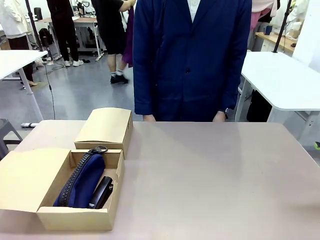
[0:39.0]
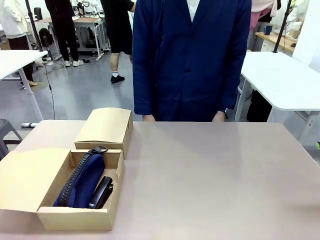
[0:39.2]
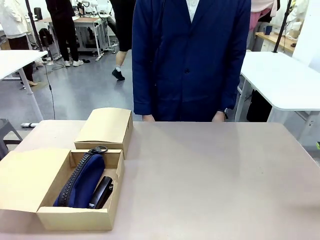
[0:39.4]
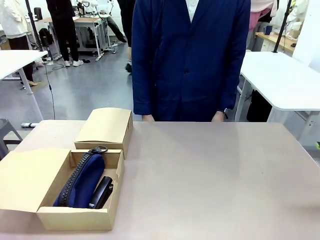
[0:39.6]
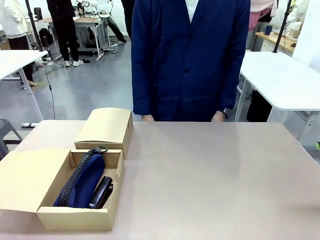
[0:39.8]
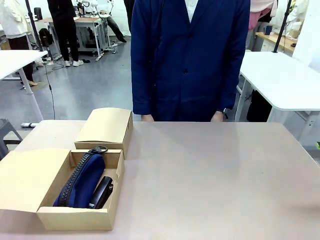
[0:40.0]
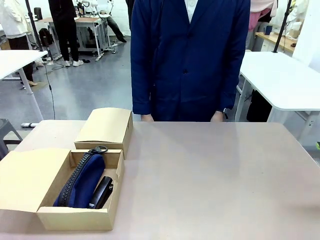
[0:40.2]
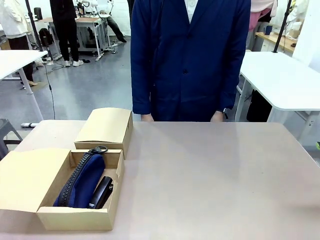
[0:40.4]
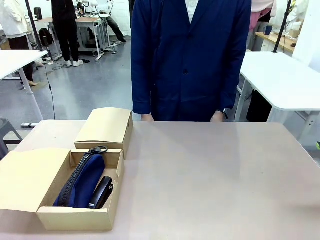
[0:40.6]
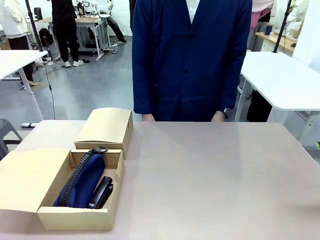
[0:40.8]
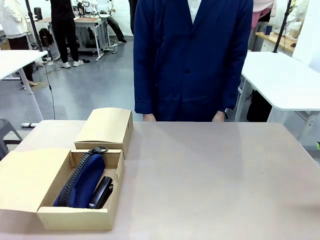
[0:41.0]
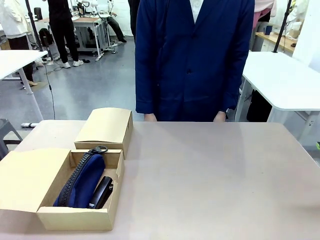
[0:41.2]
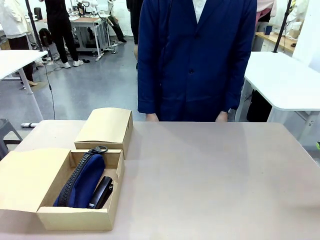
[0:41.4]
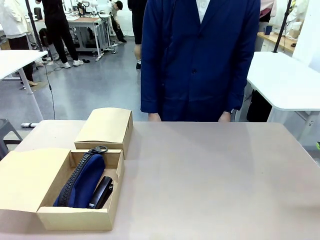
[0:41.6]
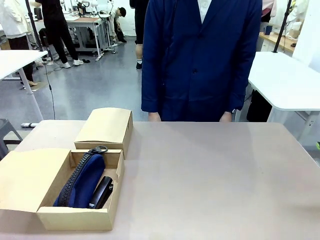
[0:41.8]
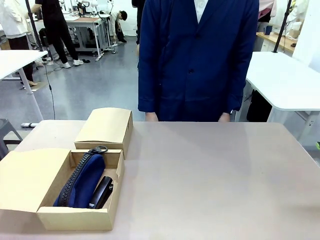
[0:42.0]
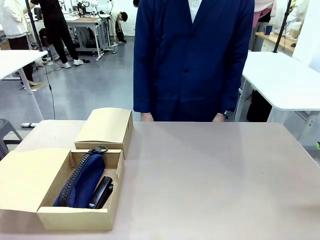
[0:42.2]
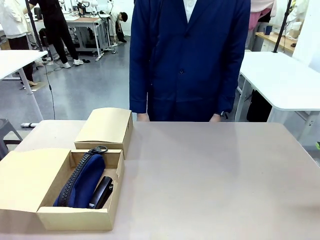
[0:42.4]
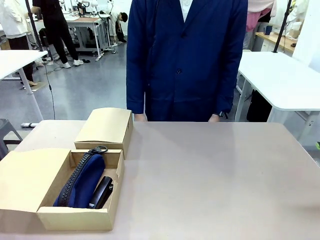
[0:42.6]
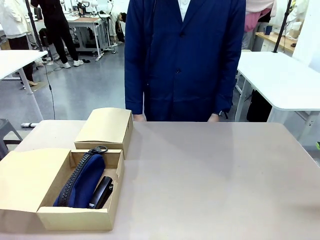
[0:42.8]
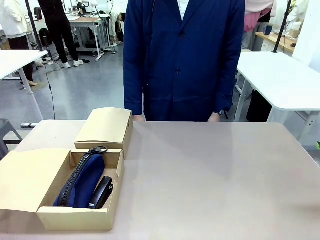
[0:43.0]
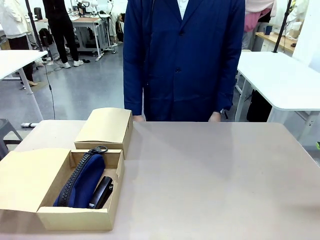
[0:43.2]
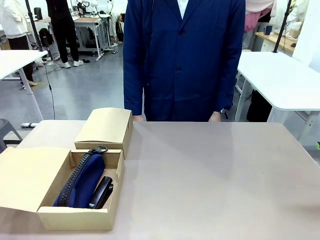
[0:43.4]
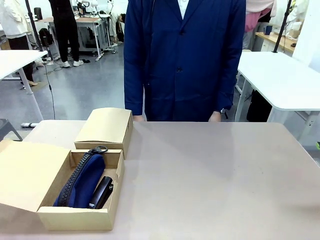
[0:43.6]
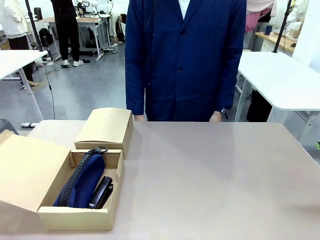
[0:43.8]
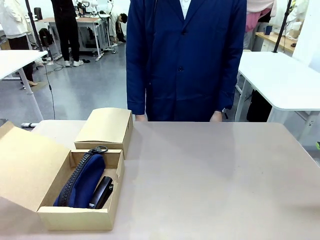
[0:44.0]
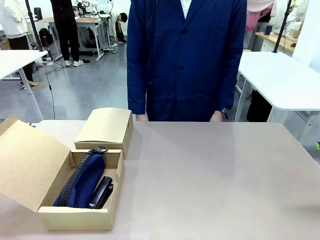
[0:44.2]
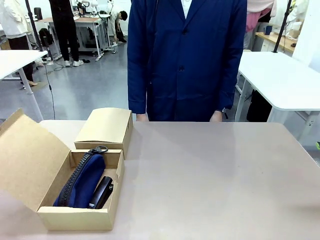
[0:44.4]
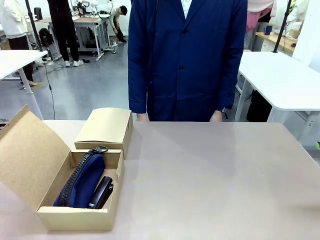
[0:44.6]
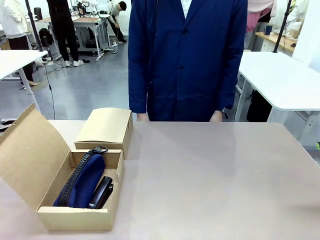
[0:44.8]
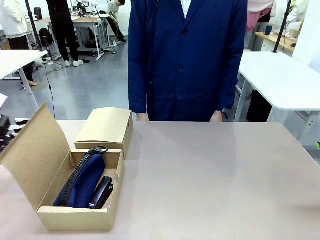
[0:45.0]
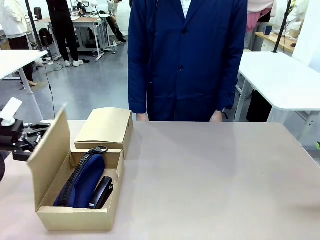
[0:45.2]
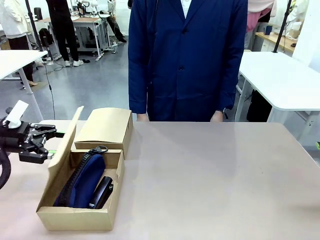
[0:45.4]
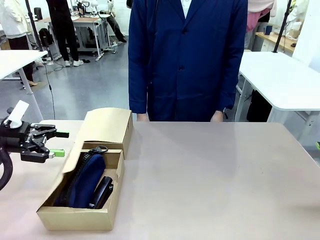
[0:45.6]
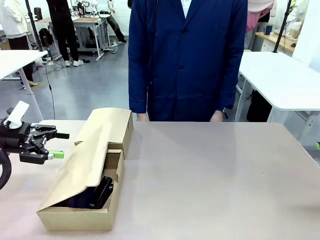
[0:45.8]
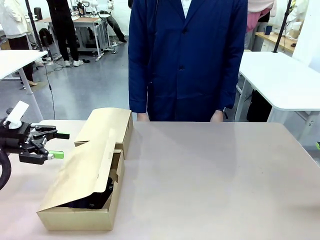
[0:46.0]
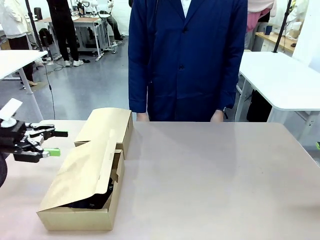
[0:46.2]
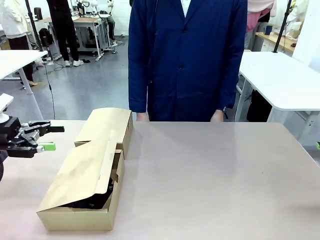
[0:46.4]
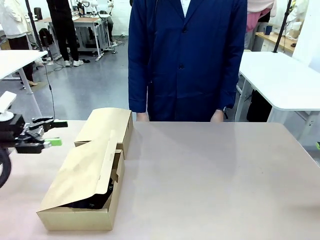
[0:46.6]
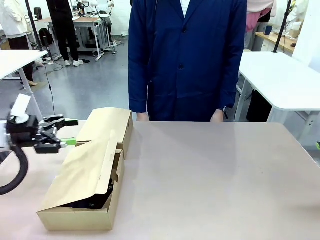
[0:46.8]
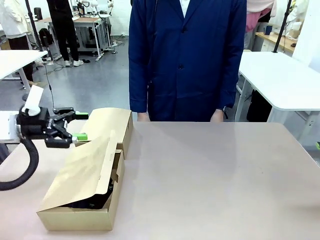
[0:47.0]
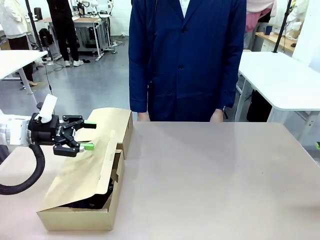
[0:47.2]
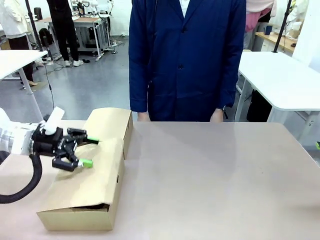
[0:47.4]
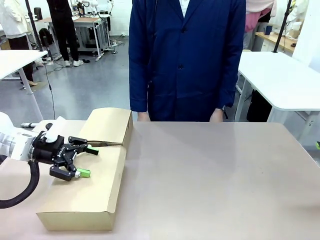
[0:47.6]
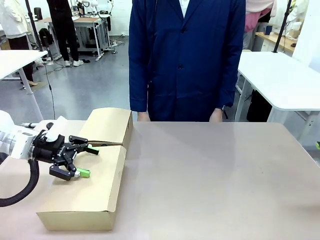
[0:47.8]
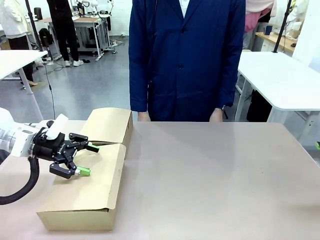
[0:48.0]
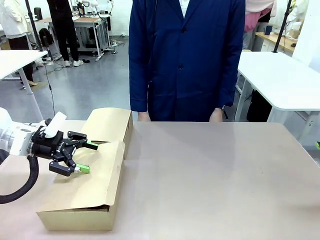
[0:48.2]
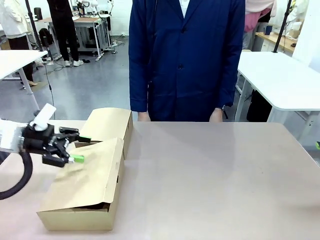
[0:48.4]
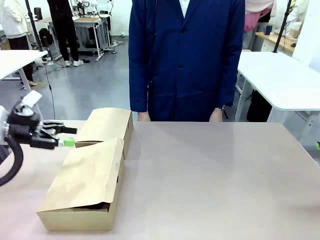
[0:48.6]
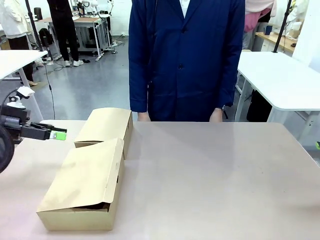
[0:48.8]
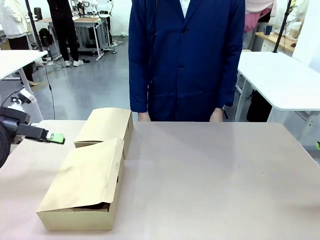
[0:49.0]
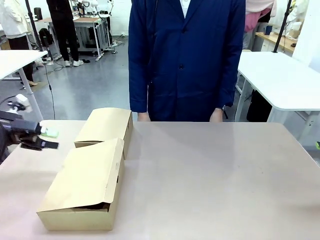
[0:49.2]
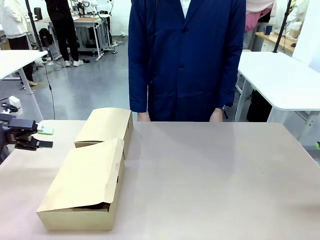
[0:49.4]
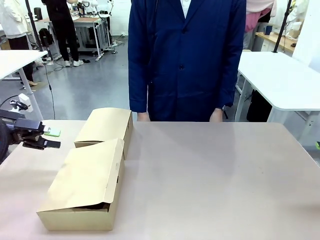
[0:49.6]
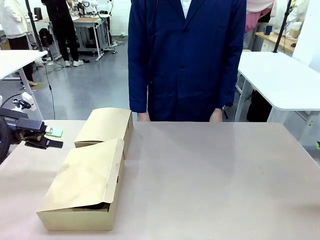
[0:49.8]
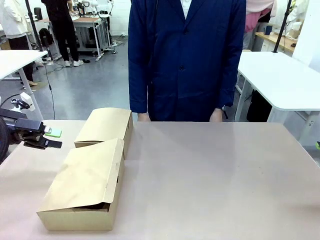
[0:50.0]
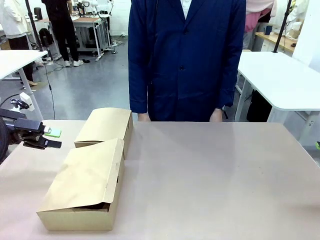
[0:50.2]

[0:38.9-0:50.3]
Task: Place items inside the box.
Robot: Close the lid of the Mailer Box closest to the robot.

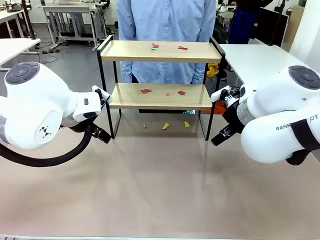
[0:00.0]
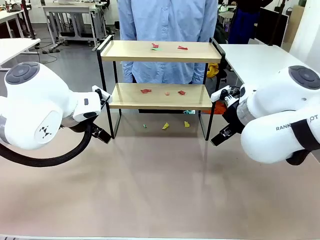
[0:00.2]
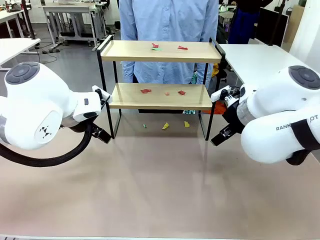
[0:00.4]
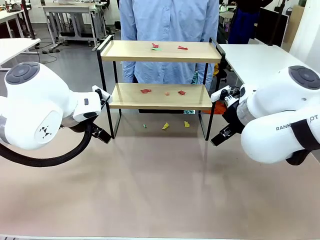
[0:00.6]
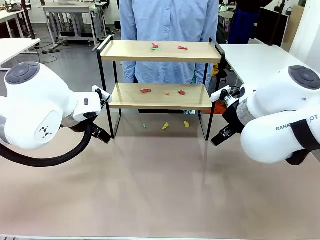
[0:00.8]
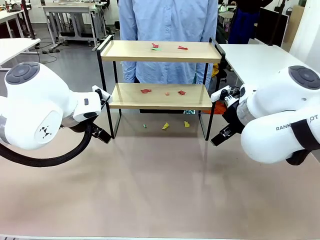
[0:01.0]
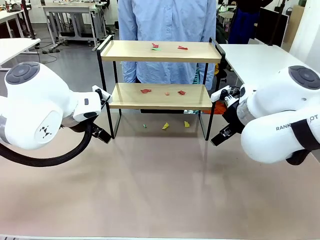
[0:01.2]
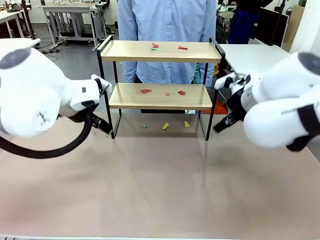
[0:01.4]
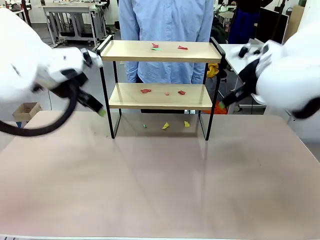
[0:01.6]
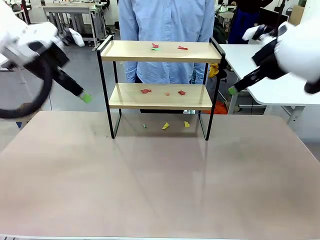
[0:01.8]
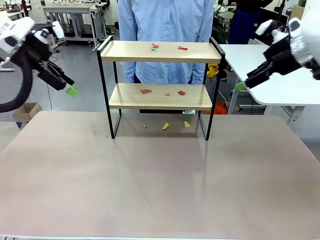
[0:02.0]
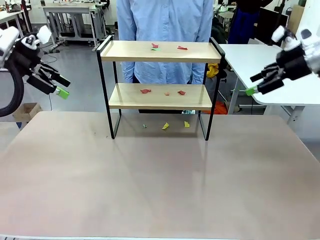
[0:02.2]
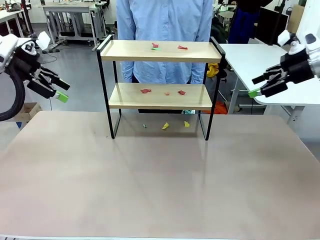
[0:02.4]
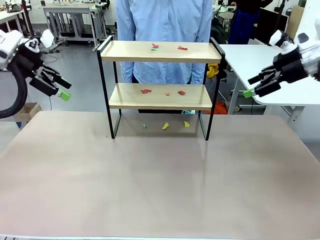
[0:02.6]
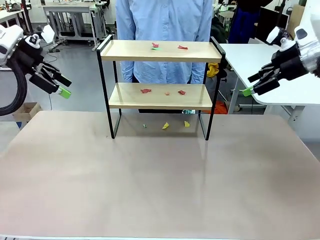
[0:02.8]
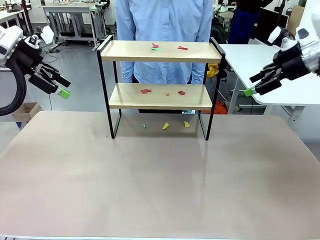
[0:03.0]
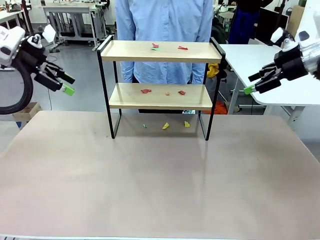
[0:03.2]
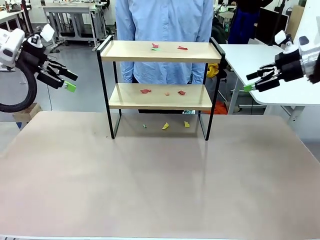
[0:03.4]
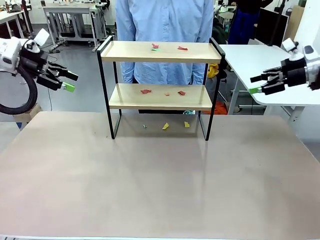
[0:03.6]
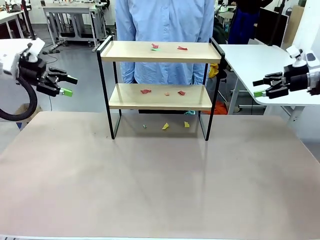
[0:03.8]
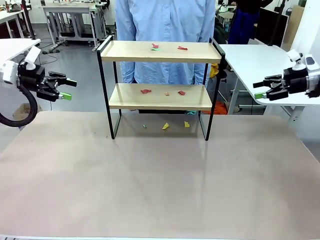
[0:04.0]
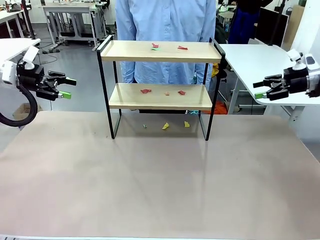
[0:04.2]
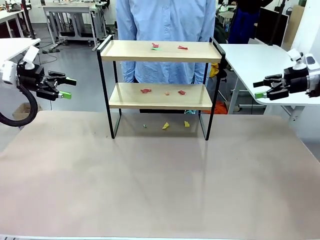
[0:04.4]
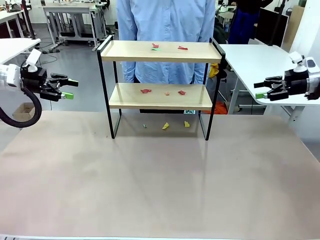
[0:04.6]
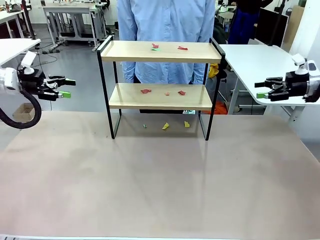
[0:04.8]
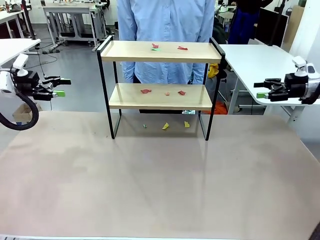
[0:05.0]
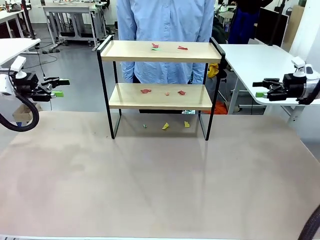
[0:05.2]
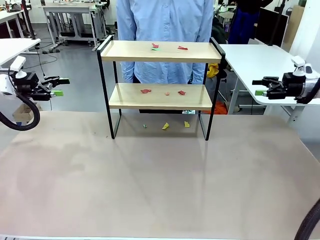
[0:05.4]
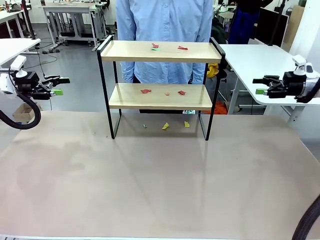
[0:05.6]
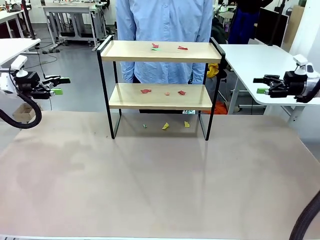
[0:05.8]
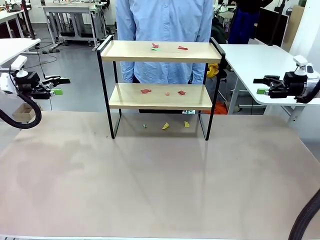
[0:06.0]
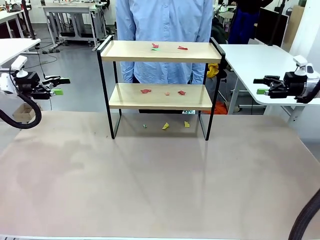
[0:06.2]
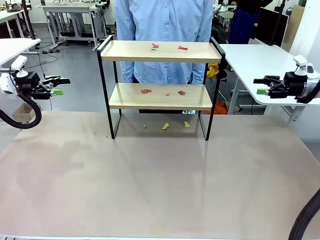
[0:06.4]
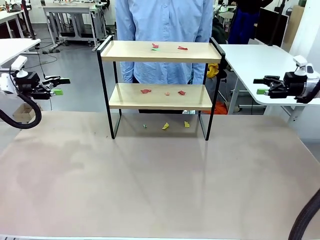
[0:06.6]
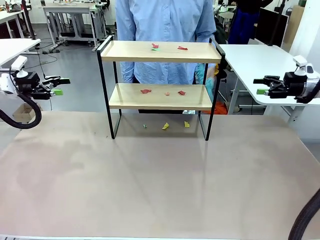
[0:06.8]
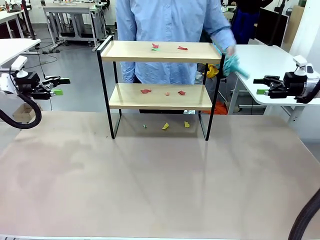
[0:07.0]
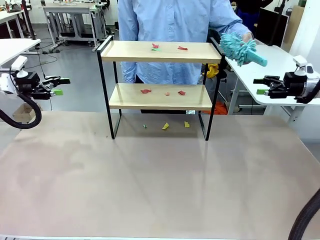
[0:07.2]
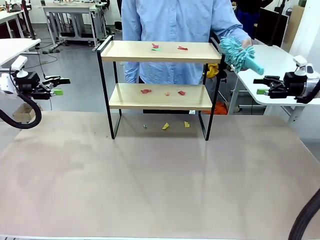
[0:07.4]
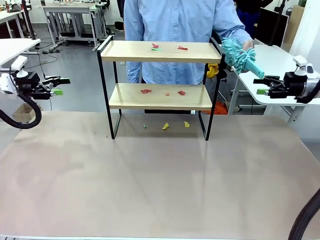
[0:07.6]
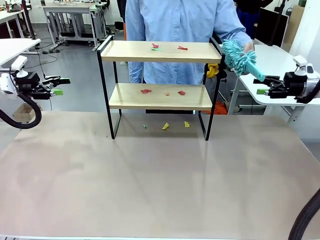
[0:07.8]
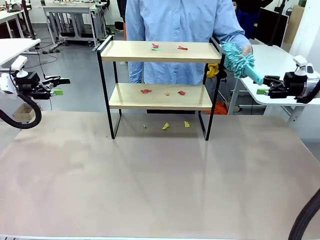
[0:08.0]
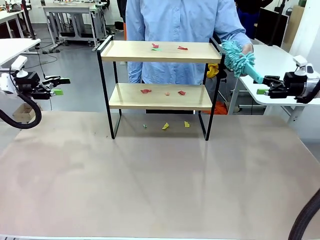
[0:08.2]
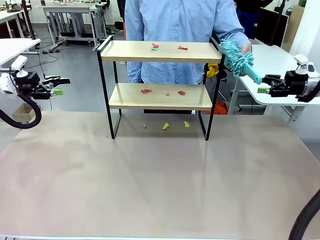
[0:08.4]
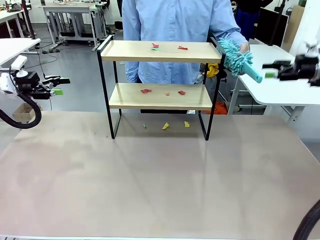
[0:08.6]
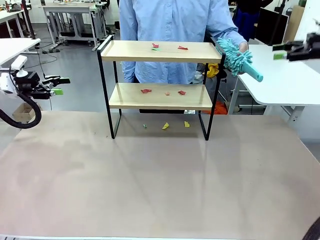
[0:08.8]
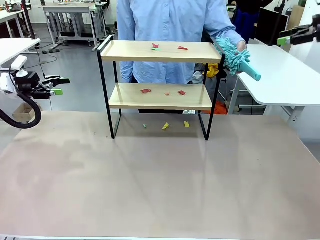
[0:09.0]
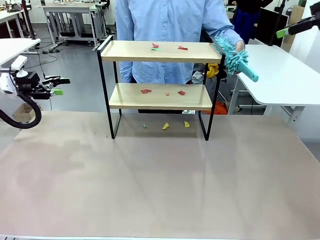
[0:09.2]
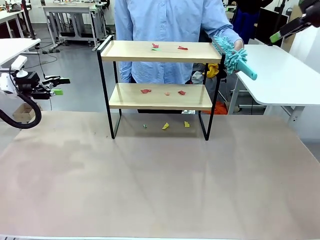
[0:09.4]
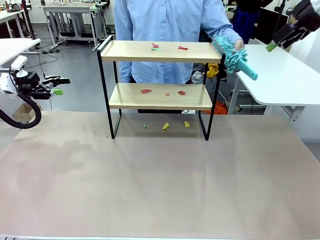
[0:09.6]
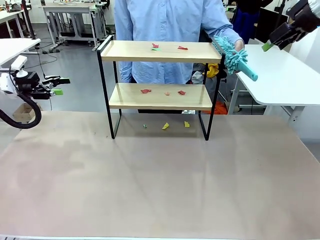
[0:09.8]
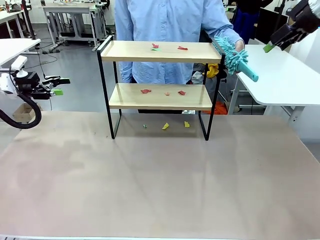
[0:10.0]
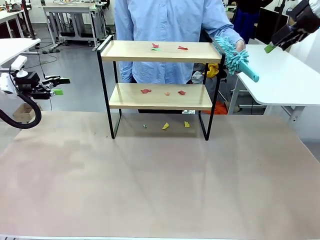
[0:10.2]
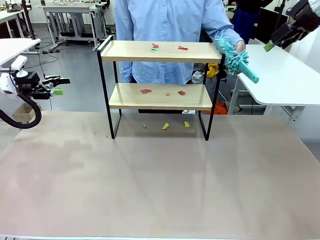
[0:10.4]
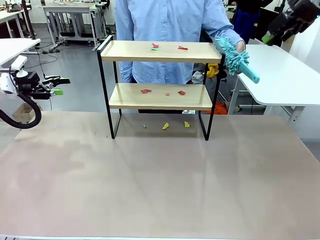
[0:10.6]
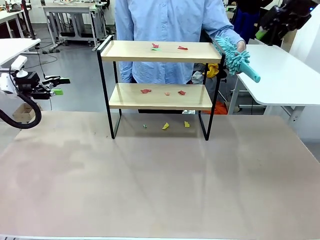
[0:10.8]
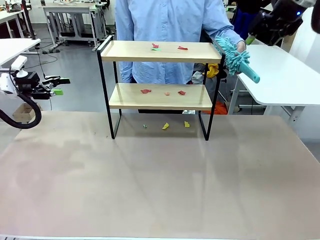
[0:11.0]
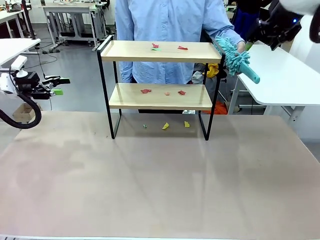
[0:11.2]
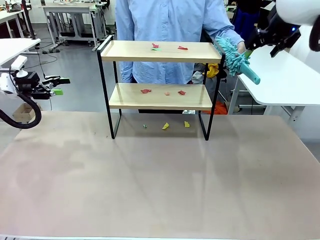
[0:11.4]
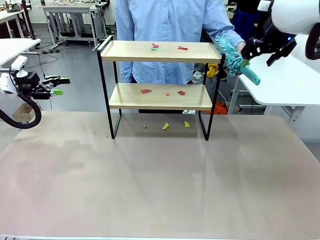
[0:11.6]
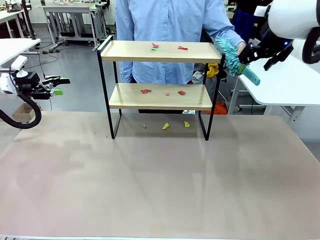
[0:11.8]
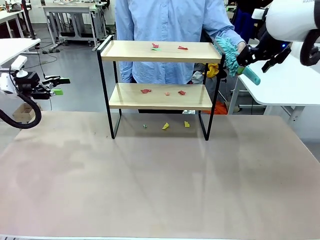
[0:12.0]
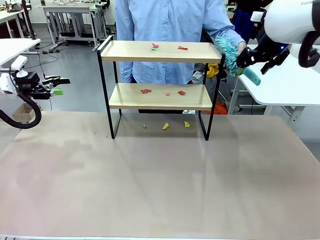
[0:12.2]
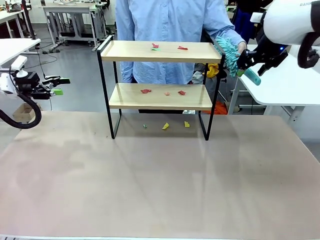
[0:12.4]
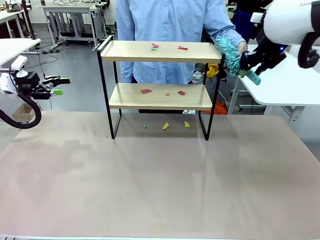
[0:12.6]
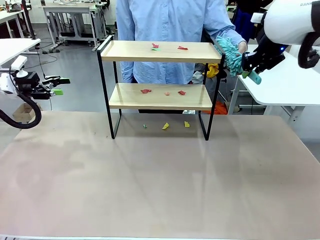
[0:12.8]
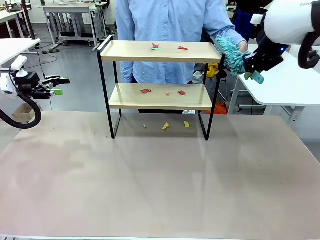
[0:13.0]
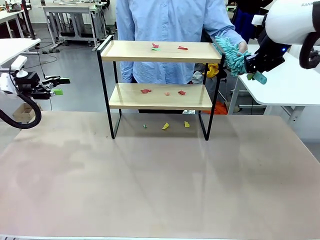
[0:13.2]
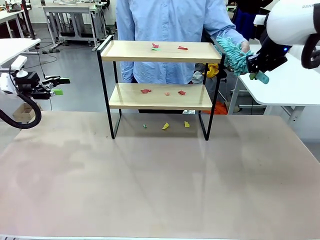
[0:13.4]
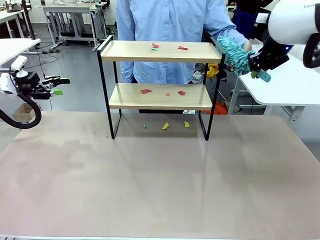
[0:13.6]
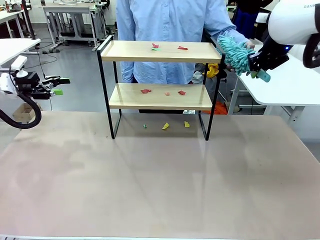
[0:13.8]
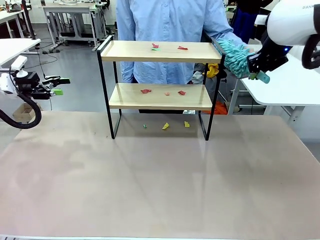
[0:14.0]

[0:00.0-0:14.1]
Task: Clean the shelf.
Robot: Pick up the Duster handed by the human.
Person: Hand the Duster to the robot.
